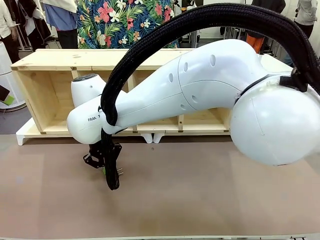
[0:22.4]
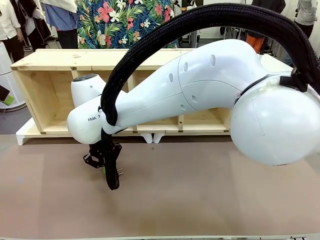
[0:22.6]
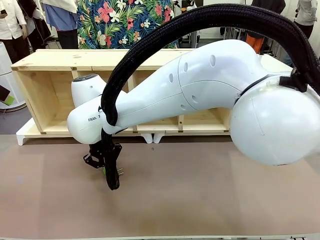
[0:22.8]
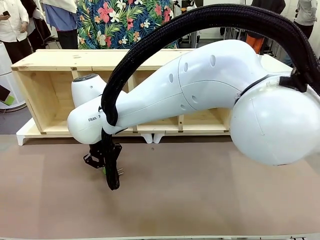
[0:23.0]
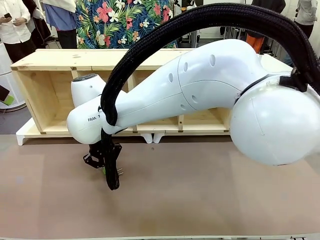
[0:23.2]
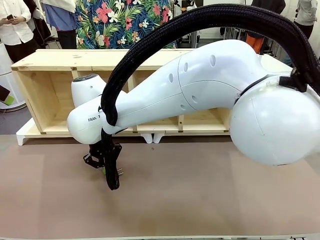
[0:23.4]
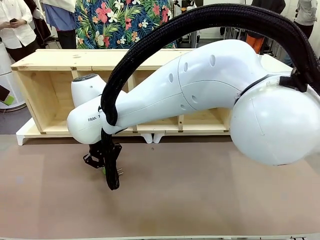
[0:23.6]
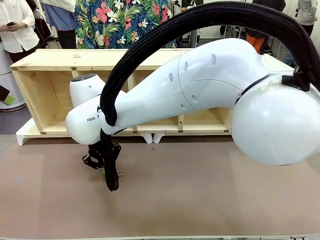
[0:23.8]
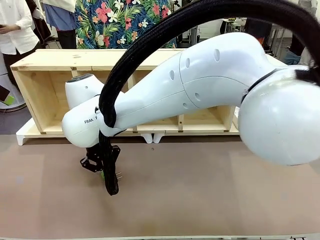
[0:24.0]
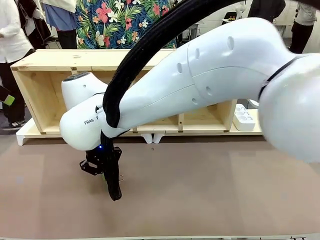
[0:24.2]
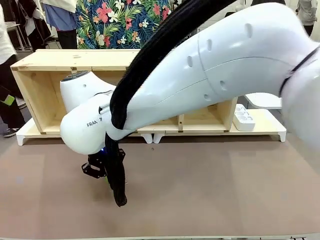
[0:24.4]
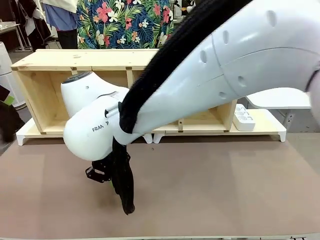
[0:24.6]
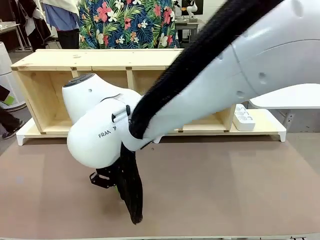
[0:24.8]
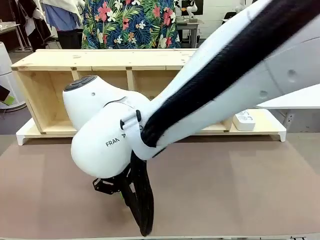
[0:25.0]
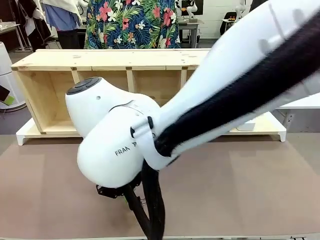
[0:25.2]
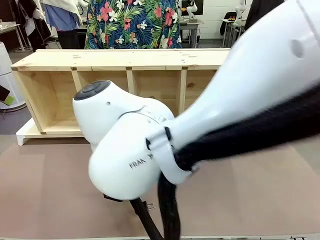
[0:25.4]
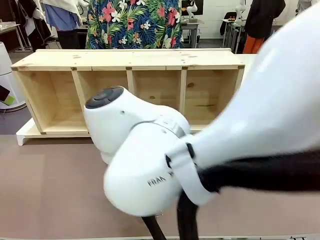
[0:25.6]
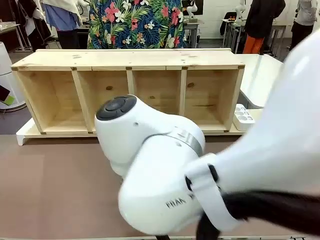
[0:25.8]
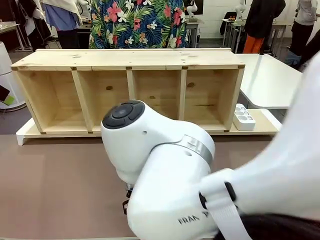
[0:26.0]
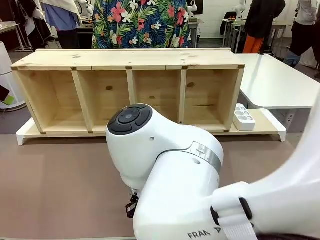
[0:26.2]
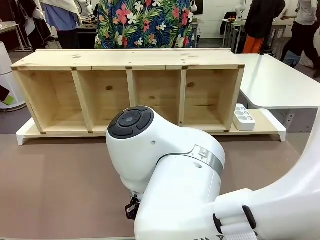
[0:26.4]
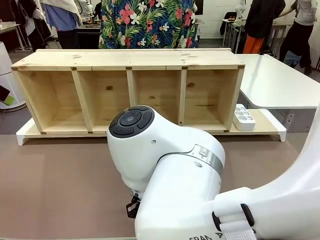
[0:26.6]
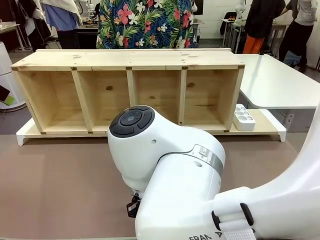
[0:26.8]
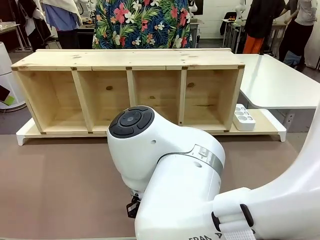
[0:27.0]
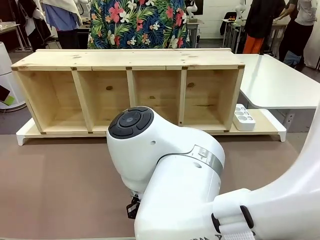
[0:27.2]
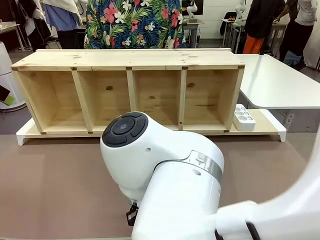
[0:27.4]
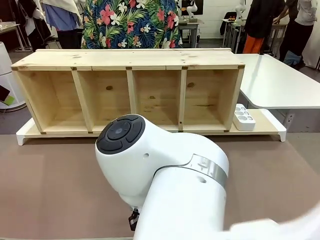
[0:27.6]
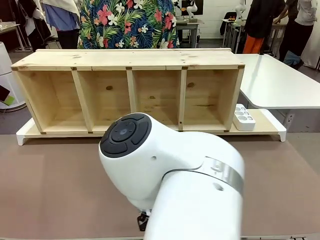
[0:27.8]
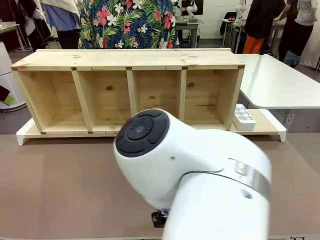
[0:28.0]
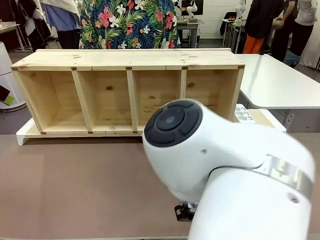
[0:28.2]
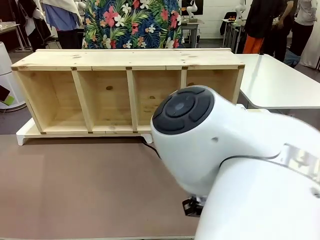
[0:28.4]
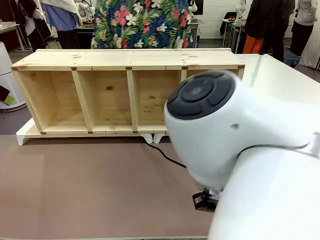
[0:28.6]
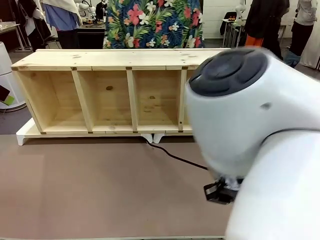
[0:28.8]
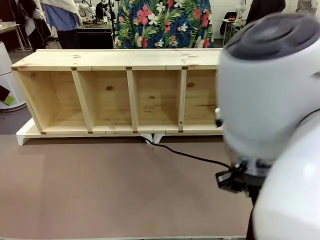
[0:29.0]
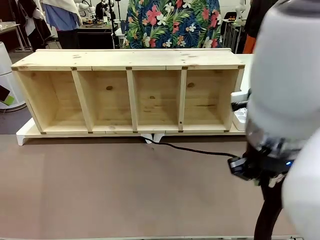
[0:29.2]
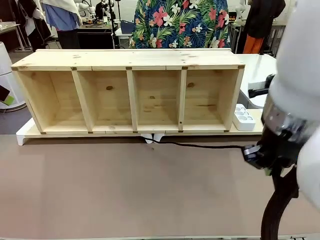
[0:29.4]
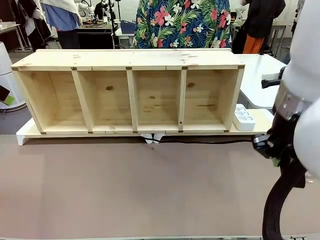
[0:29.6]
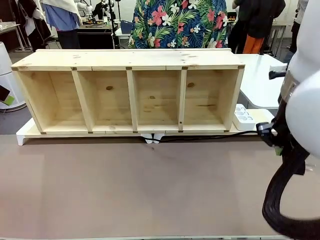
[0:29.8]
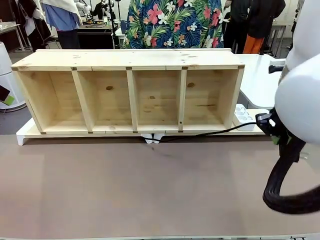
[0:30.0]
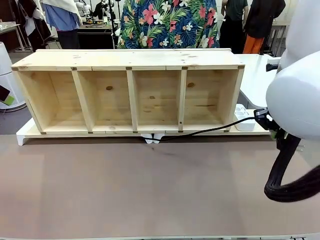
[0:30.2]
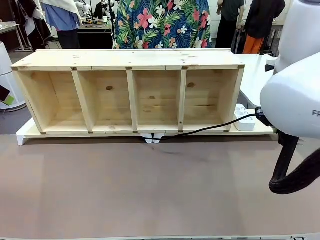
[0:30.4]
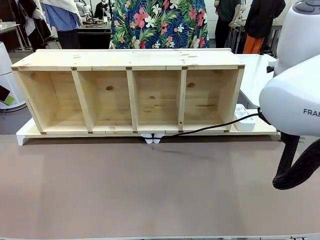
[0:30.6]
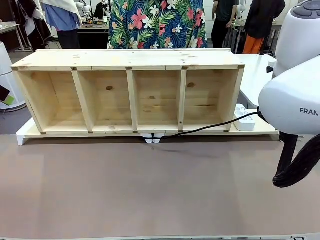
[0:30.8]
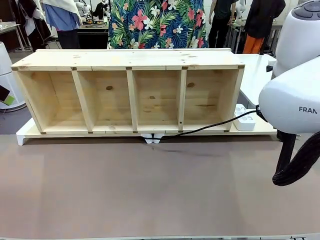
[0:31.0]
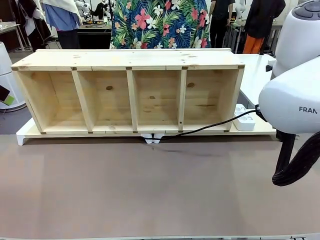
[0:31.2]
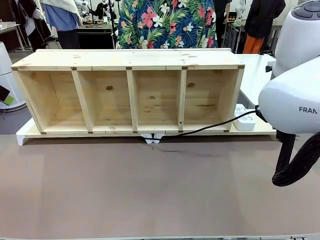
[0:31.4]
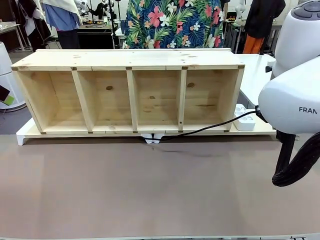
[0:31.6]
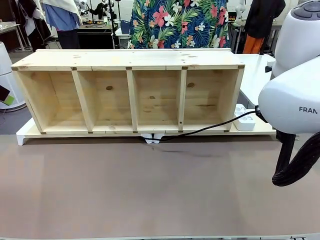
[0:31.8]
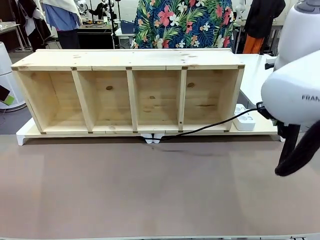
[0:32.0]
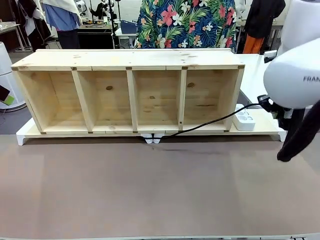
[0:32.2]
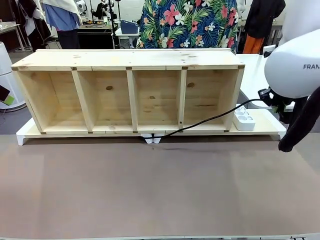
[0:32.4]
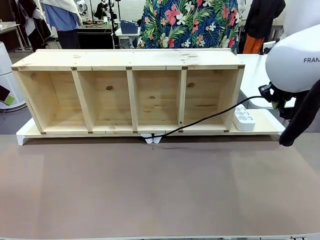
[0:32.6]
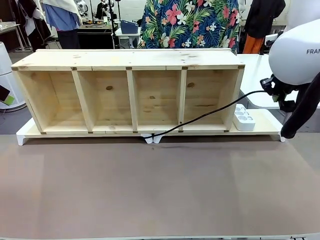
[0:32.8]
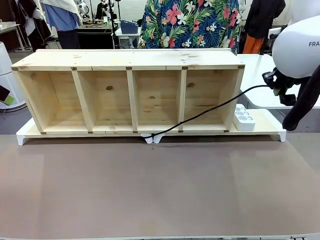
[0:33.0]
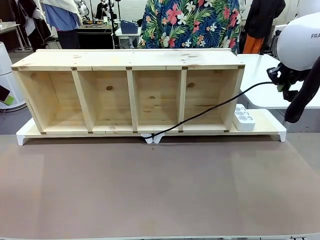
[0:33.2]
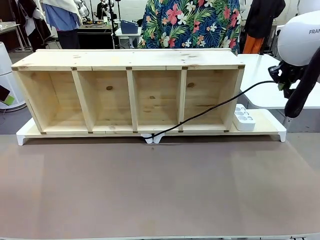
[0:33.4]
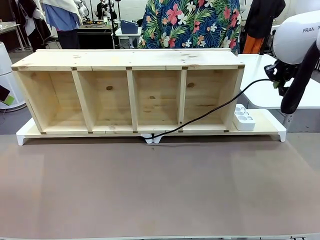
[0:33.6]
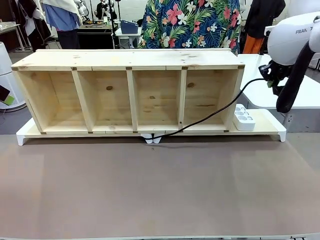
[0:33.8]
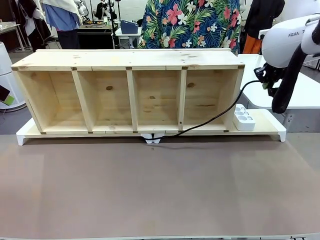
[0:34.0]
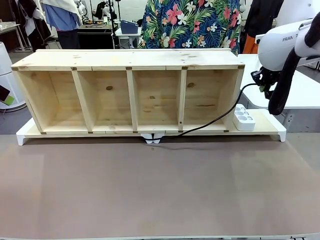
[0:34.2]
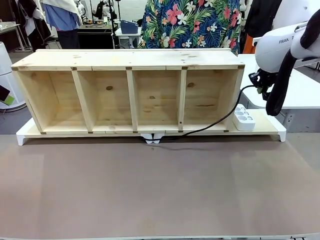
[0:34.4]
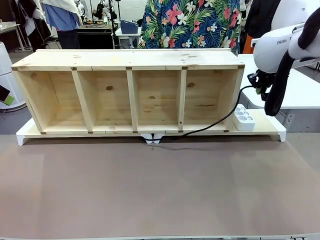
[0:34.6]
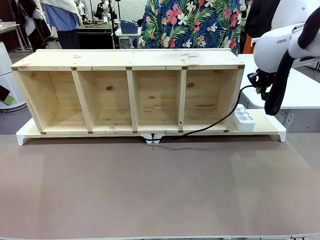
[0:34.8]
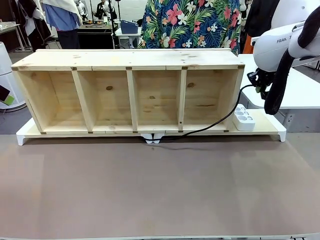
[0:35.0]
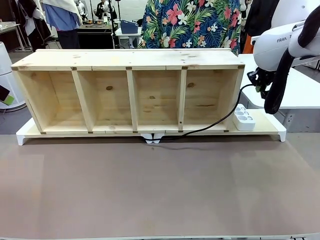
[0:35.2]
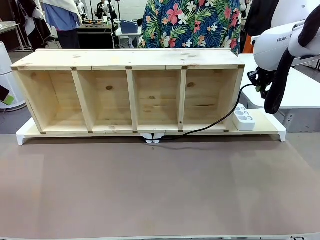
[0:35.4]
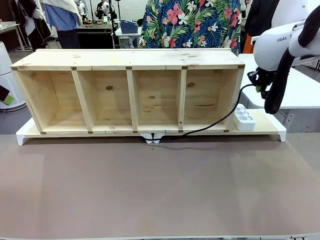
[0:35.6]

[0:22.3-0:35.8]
Task: Perform cable management.
Robot: Pull the grasped Power Cable to the location of the Power Strip.

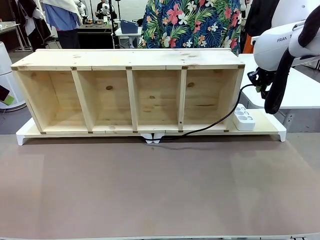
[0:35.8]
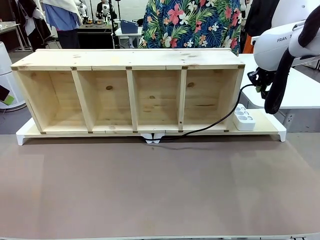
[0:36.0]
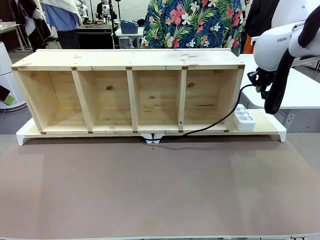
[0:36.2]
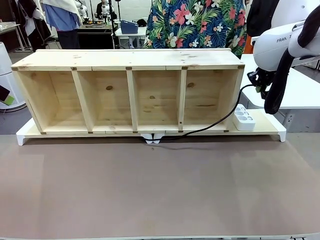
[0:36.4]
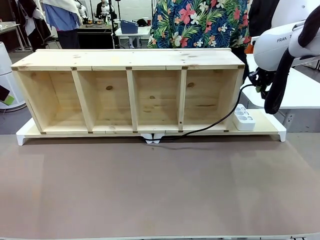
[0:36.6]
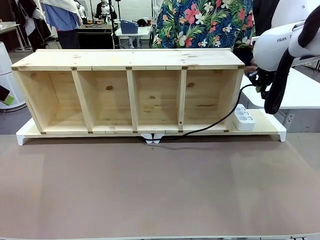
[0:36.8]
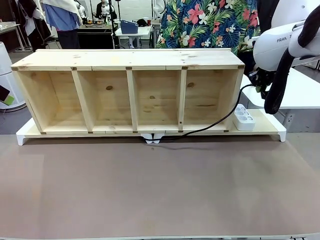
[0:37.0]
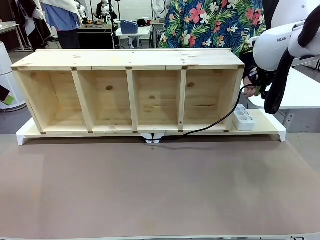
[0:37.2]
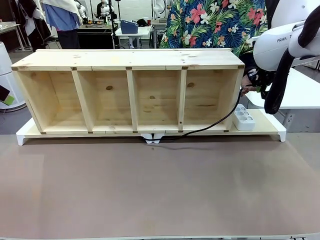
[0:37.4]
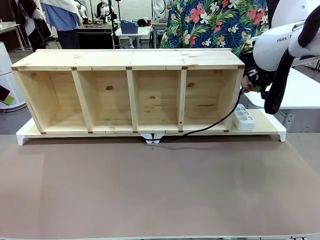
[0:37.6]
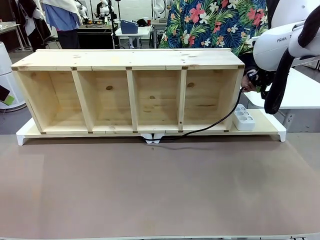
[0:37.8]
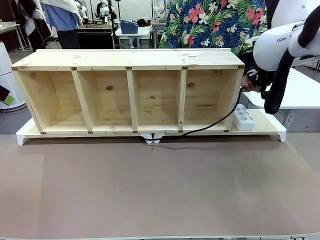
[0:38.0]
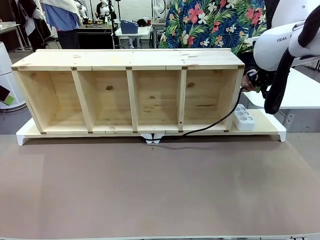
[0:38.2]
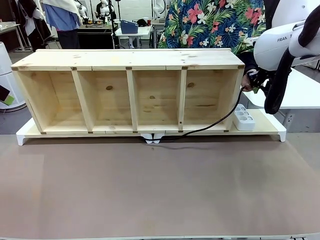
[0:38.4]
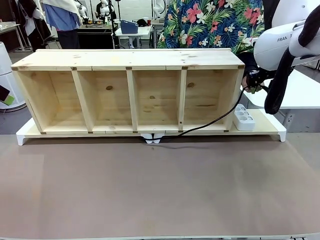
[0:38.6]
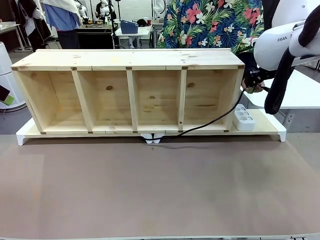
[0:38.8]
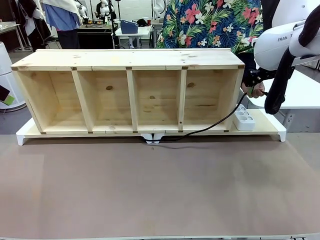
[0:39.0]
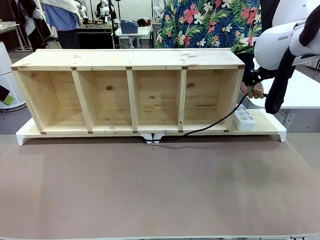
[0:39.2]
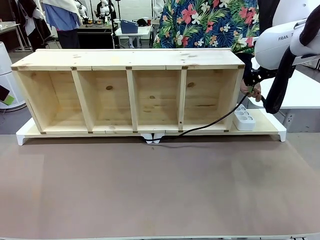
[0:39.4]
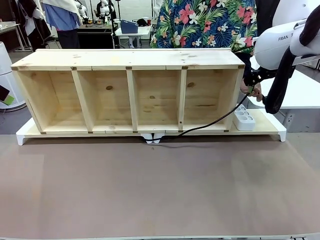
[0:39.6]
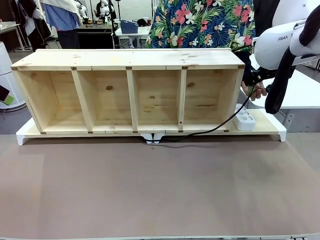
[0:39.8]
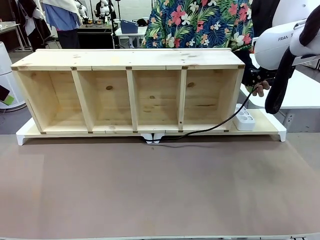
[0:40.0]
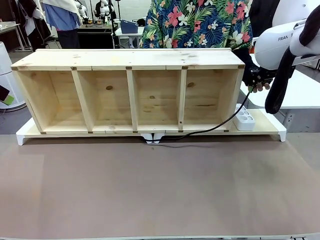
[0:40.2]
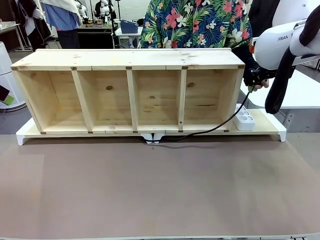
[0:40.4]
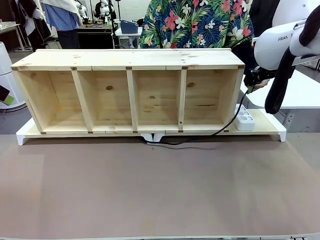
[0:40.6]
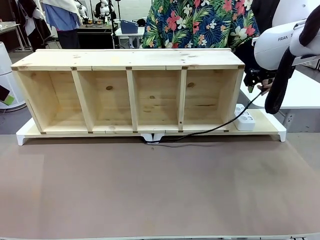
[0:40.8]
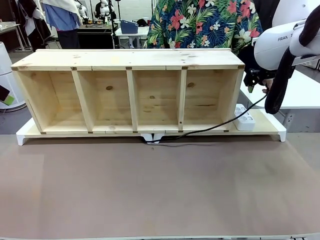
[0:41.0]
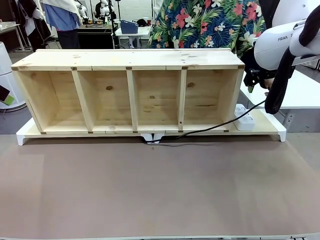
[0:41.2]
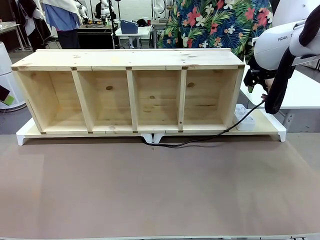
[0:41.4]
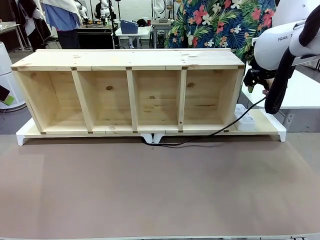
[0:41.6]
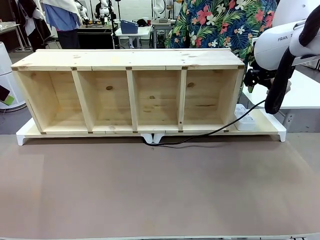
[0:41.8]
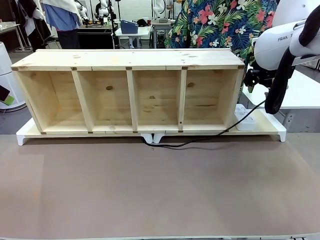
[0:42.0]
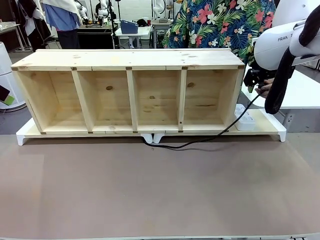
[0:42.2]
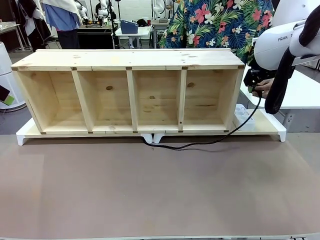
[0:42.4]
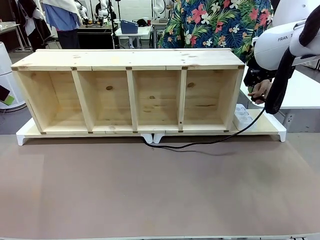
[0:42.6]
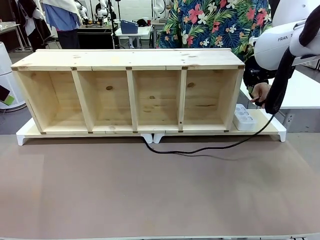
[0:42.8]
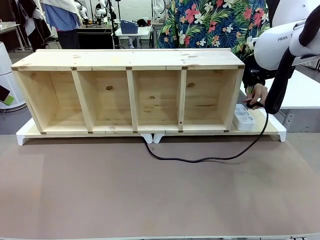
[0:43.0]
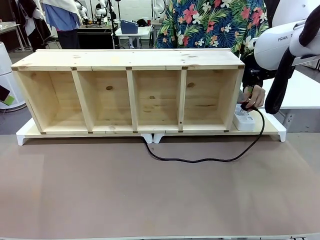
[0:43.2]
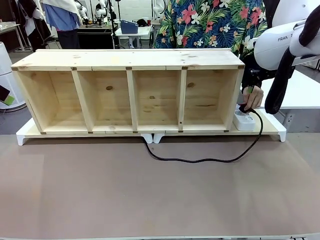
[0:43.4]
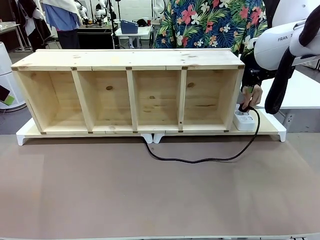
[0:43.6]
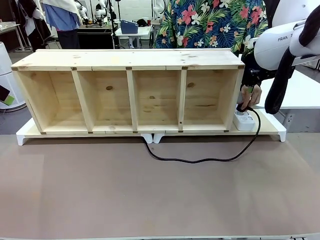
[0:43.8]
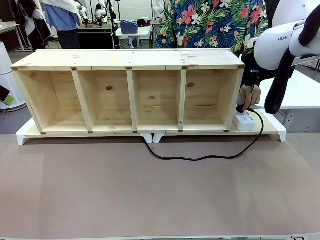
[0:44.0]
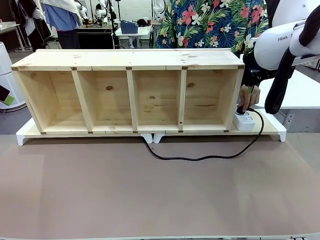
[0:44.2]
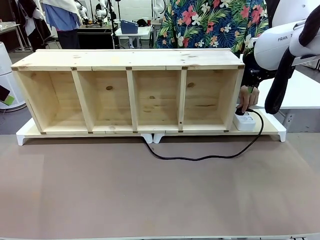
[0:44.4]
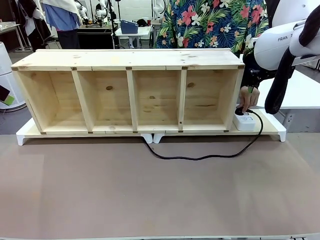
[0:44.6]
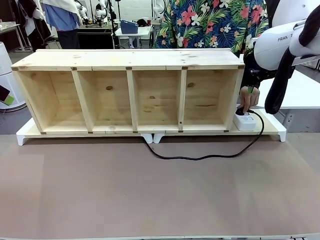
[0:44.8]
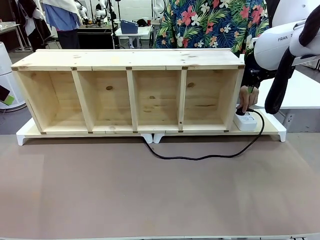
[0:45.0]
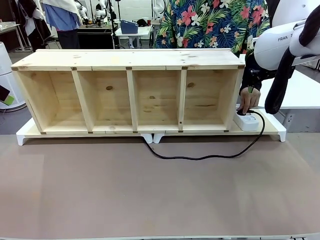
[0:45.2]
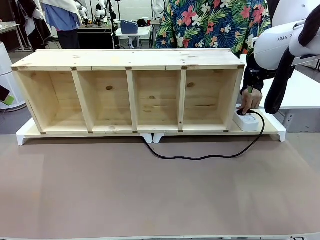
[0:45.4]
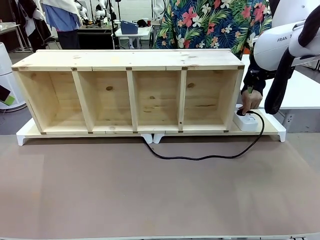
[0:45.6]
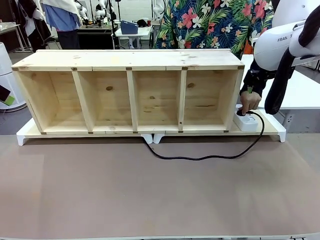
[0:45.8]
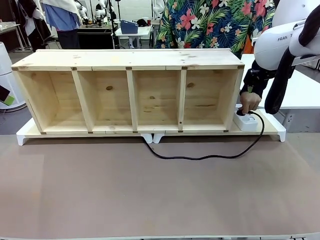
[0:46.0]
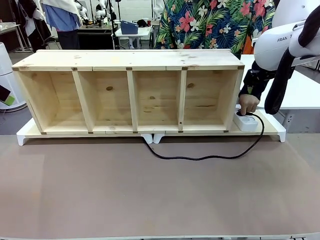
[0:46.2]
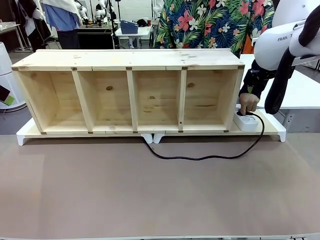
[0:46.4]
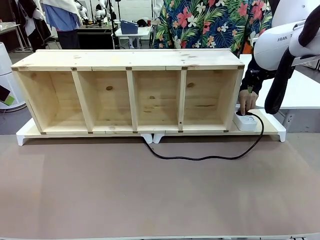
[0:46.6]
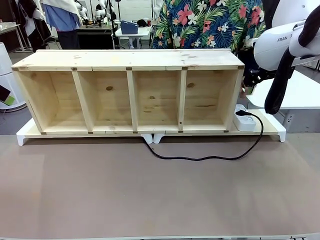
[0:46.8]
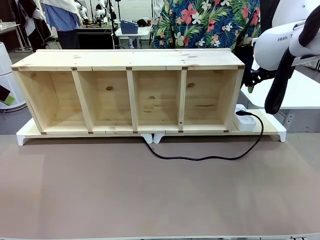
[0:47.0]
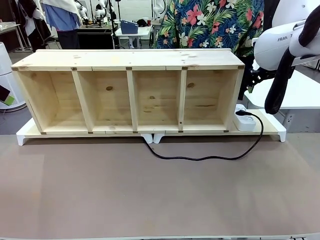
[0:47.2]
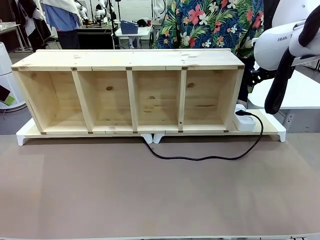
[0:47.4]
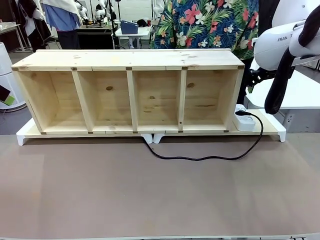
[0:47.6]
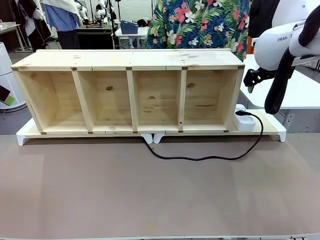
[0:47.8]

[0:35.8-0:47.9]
Robot: Release the Power Cable when the human grasps it.
Person: Plug the Power Cable into the Power Strip.
